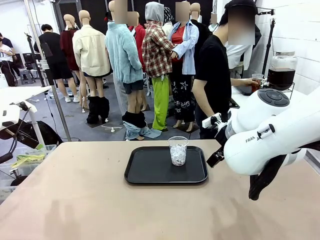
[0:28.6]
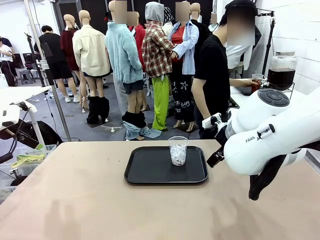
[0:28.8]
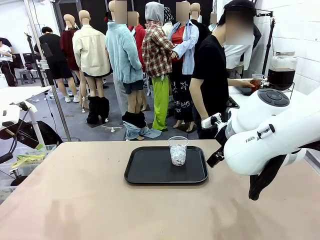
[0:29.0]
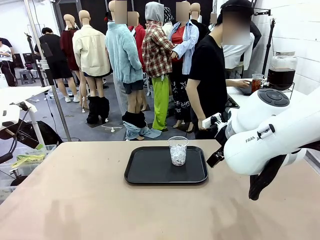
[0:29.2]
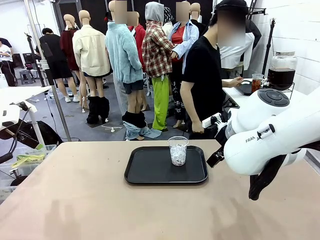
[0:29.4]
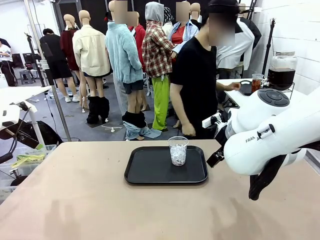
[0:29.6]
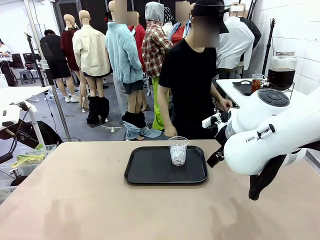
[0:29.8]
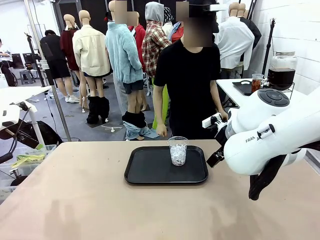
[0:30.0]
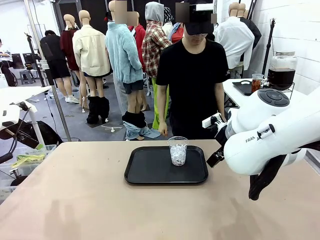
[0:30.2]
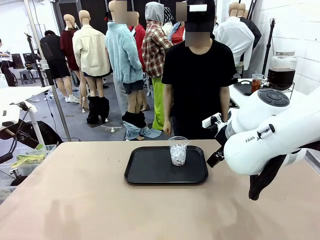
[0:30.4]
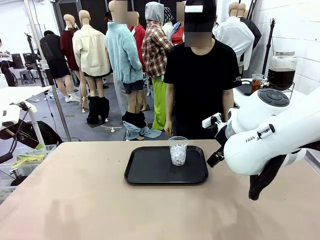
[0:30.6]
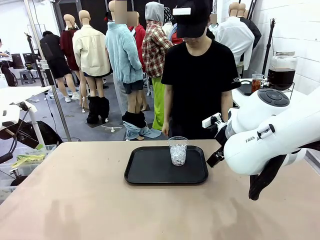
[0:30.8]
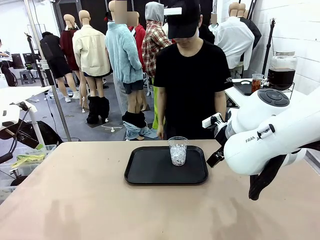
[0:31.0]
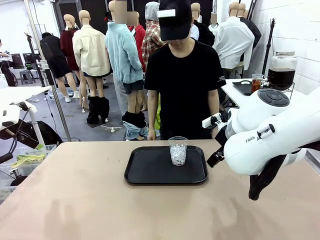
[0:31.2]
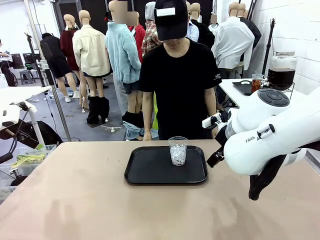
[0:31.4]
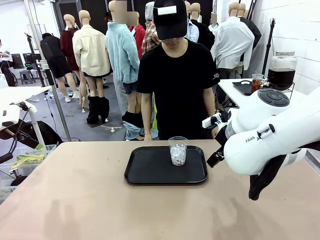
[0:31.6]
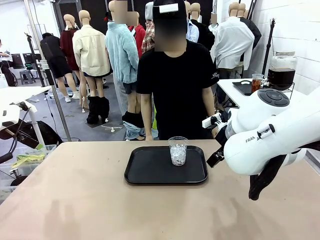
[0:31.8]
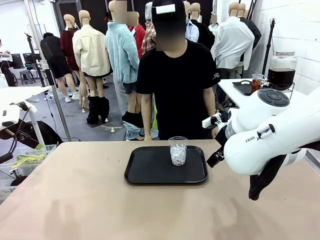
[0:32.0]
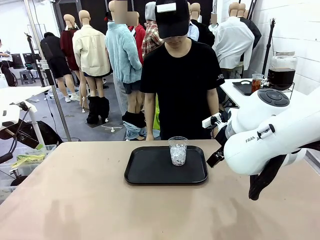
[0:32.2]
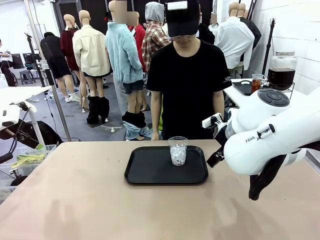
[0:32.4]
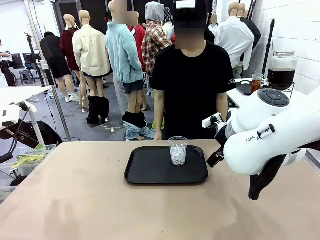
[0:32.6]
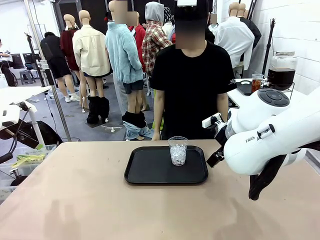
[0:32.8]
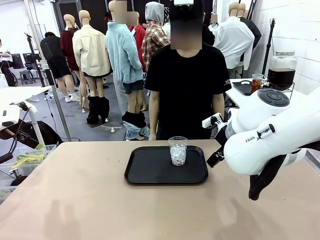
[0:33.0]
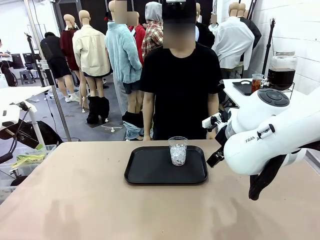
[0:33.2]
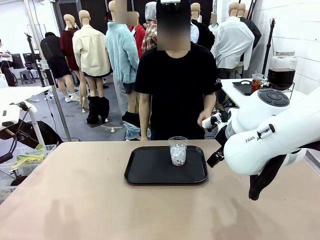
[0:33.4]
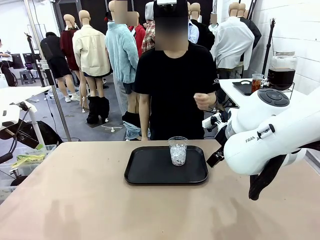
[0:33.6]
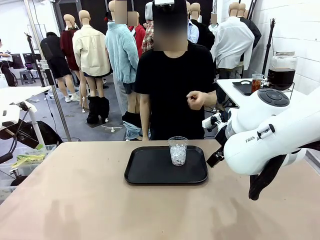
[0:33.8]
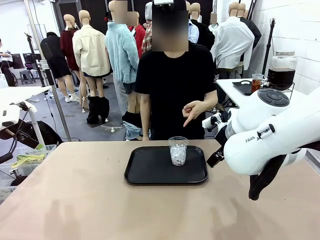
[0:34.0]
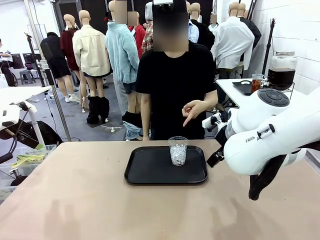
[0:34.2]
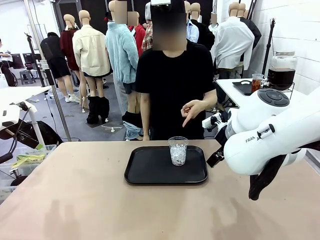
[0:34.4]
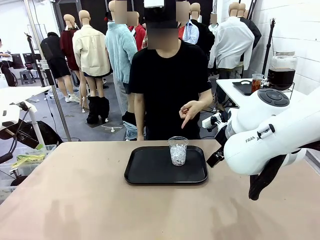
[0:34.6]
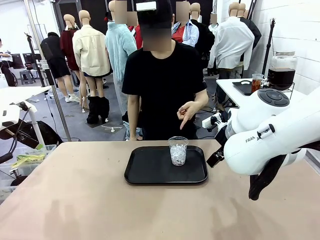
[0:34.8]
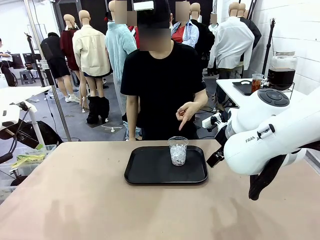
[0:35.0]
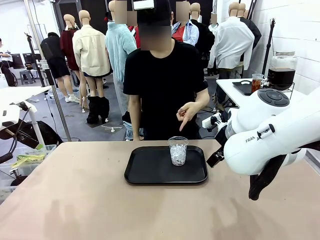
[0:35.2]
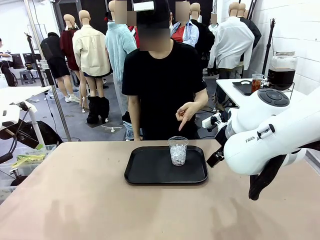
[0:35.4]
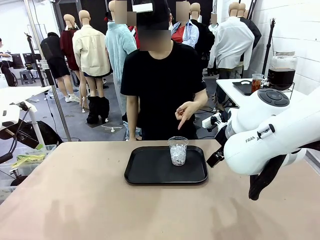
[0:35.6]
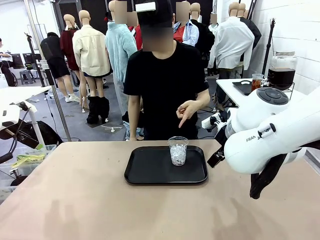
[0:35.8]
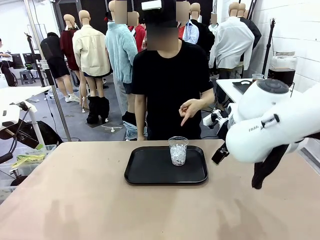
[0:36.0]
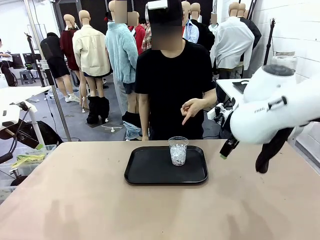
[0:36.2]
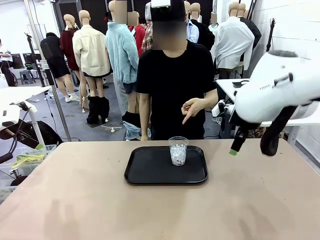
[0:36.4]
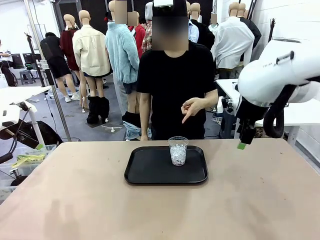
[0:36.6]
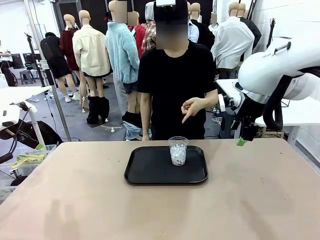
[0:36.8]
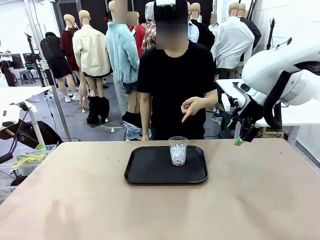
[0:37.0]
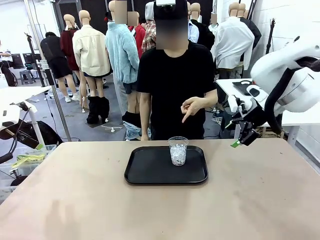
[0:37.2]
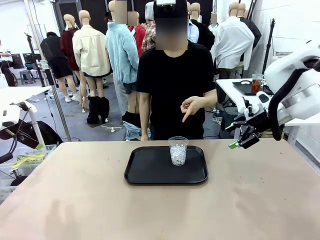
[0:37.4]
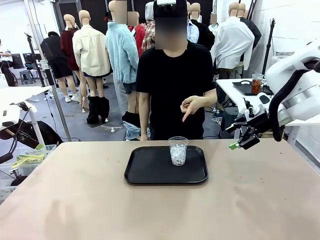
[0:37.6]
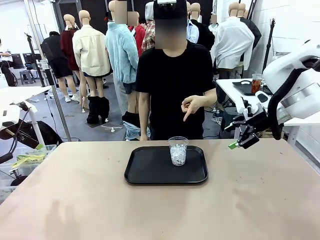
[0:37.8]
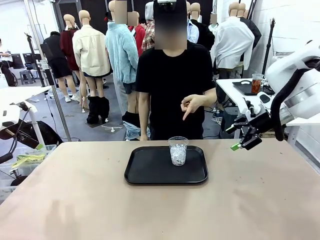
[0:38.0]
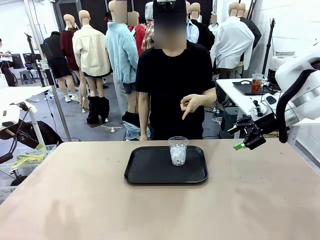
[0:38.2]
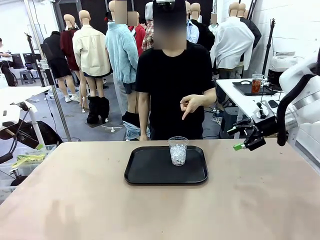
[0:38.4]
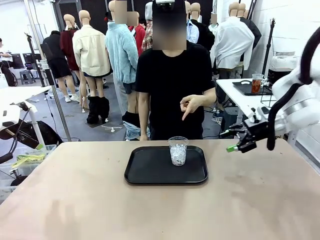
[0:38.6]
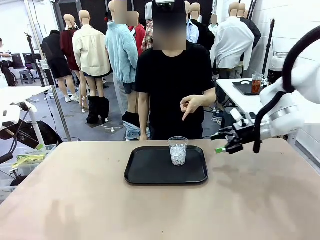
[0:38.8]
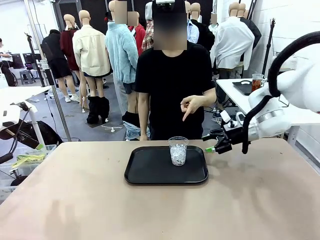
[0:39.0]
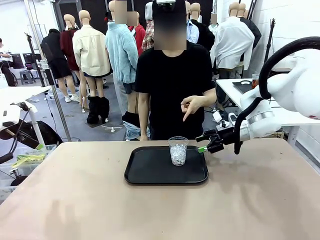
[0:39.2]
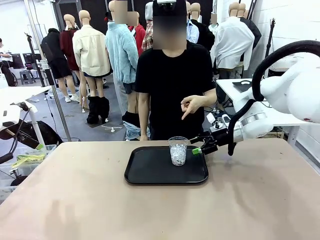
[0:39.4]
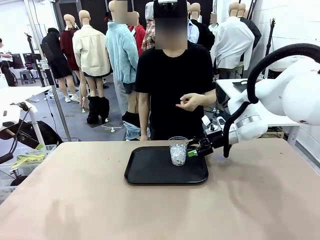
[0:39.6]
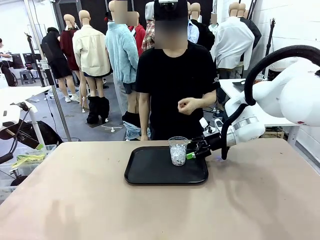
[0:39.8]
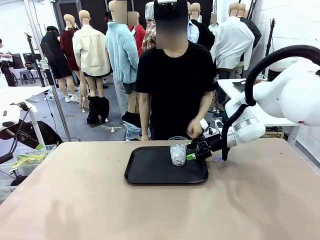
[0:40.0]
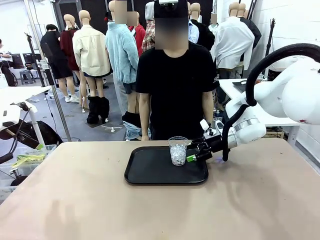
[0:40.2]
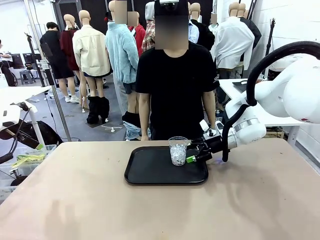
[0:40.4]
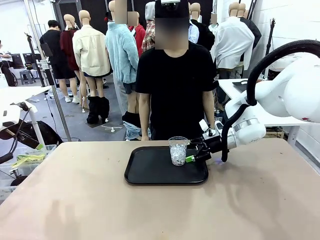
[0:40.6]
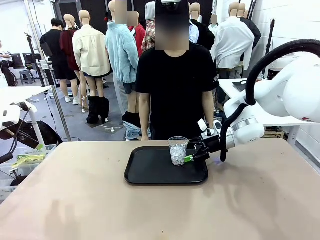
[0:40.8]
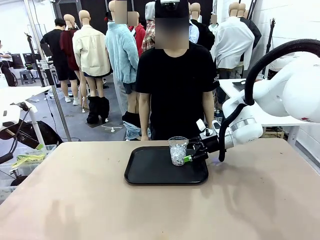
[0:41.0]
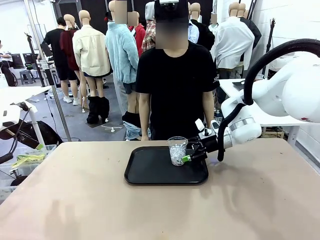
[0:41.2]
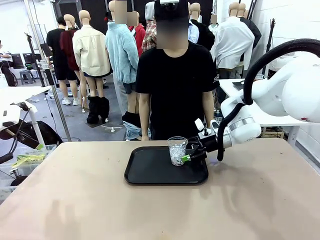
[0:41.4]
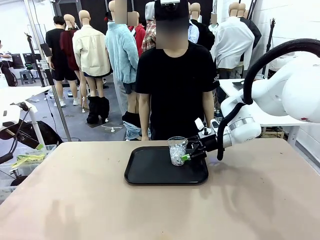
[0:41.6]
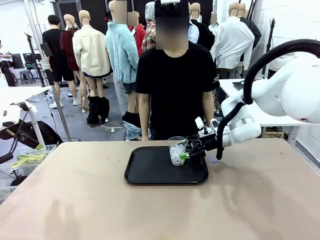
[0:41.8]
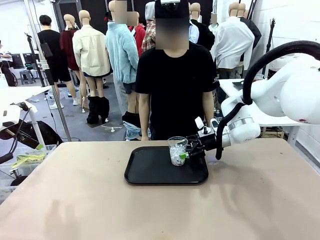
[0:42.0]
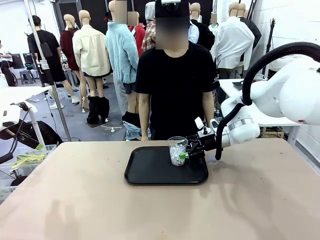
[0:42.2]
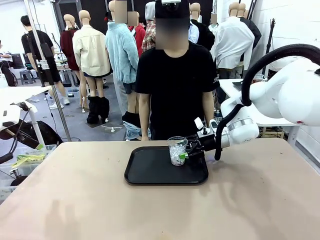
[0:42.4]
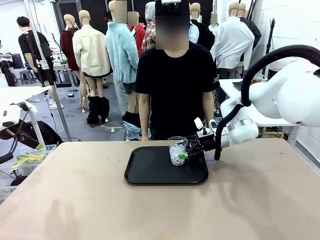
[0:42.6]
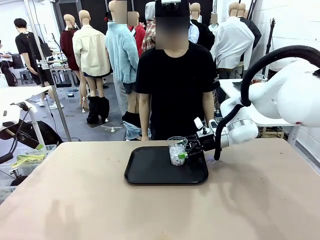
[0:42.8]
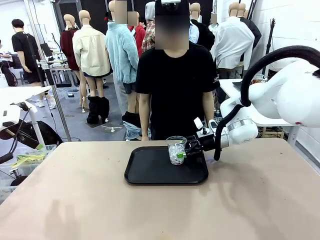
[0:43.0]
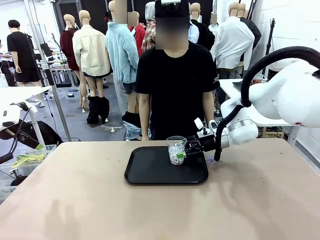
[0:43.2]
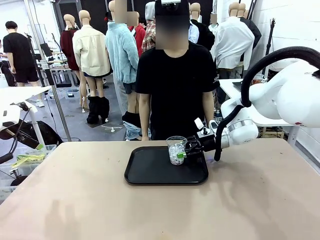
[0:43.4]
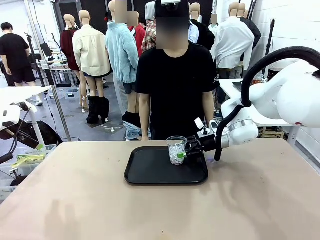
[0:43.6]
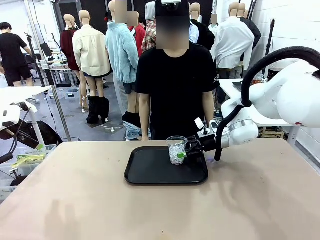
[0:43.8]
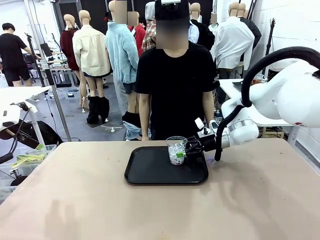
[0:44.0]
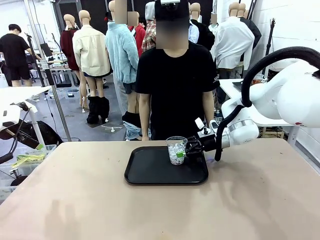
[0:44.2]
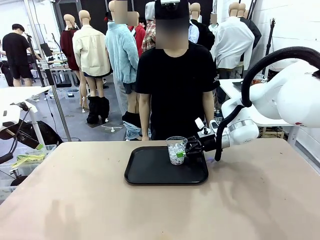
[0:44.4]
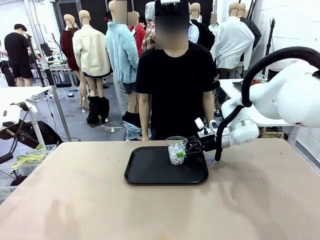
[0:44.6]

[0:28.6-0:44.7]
Task: Pour the drink into the iced cup.
Robot: Pick up the iced cup indicated by the human and present it to them.
Person: Point to the remaining ice cup on the robot table. Pick up the cup offered by the robot.

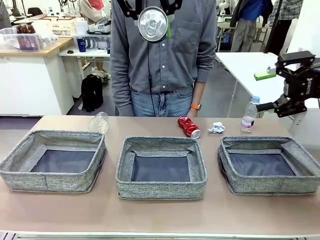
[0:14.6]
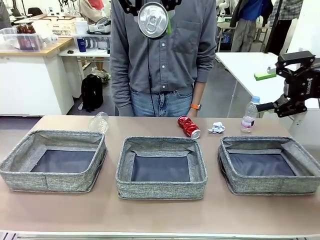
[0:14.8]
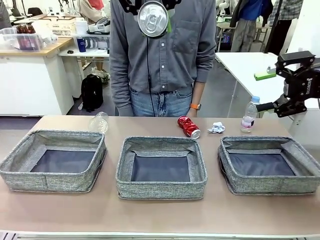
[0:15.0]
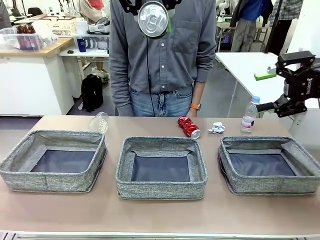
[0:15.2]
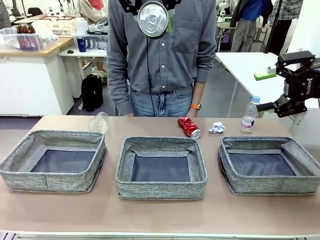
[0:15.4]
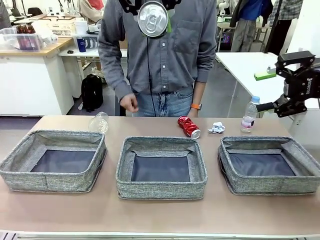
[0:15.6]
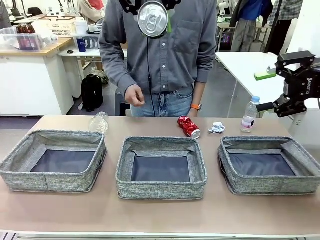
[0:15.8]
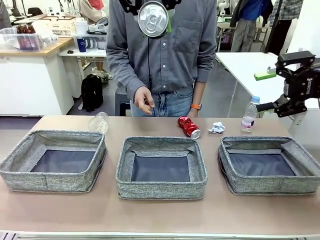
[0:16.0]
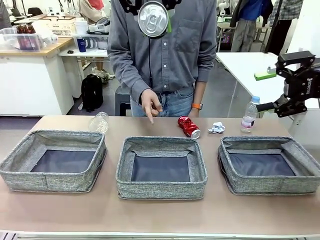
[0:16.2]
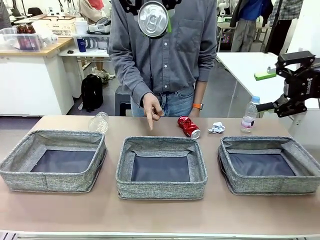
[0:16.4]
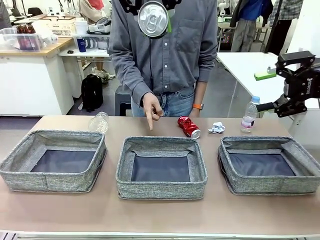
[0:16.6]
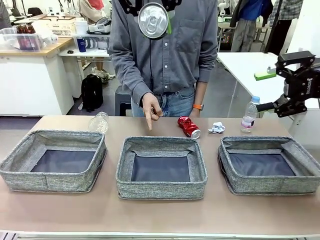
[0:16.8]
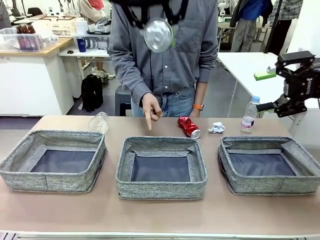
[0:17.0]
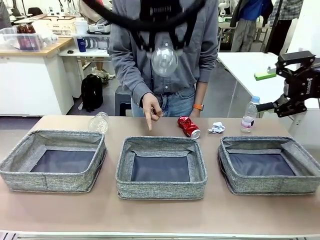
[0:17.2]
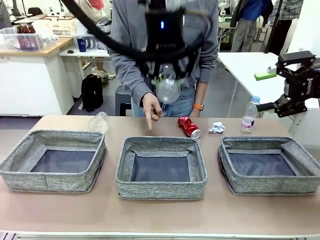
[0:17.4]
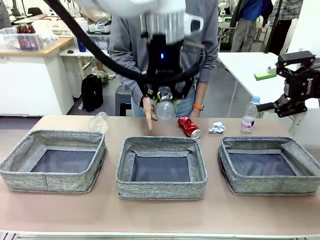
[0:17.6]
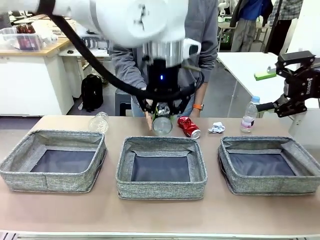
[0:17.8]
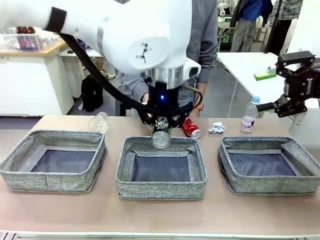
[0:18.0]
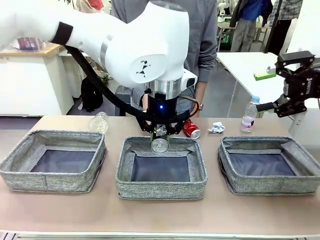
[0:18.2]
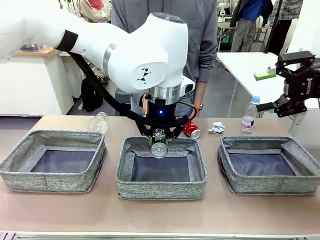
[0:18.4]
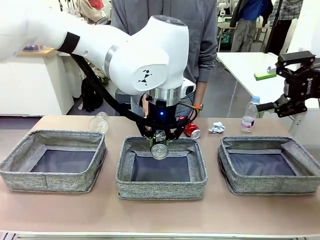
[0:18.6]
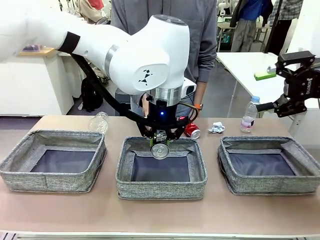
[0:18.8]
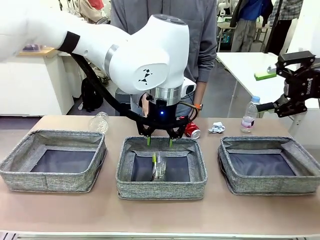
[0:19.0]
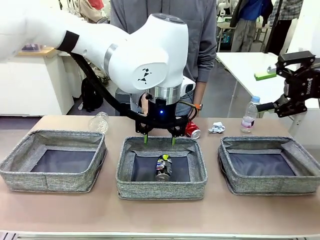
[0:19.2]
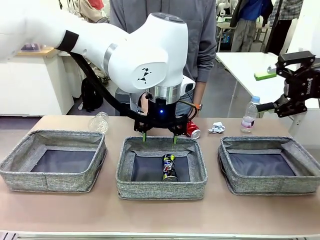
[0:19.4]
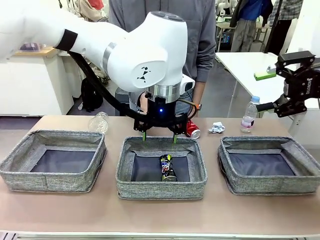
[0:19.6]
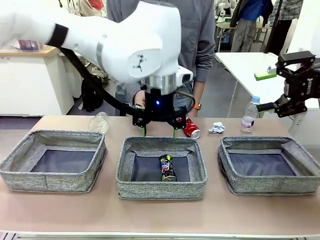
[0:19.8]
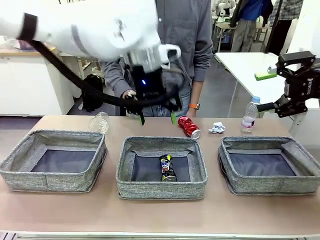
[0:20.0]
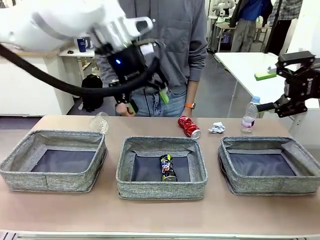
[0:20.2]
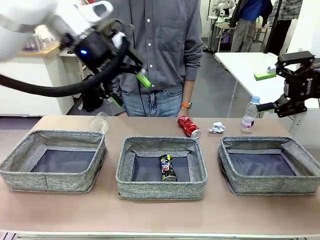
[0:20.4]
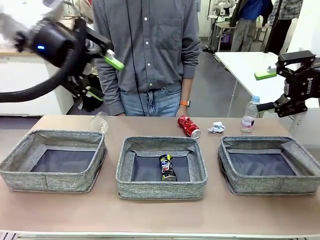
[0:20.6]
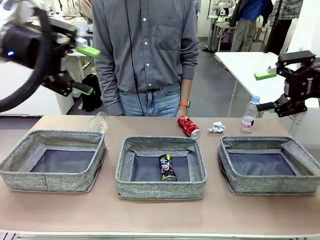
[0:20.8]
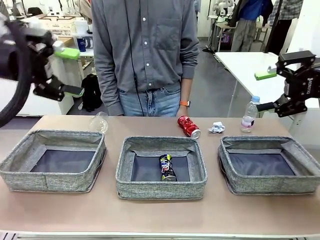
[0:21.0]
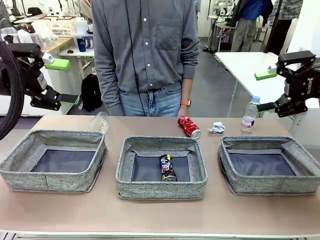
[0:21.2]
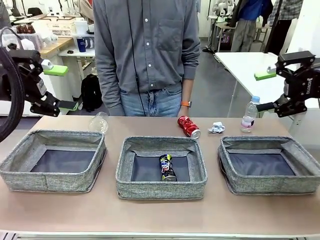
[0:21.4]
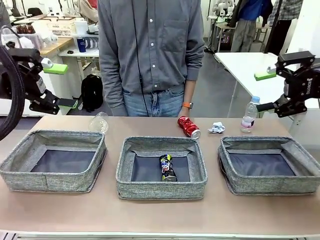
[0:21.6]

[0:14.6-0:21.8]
Task: Sort the waste into the appropriate baskets.
Robot: Place the picked waste into the Fabric basket indicated by the person.
Person: Instructs the robot to place the picked-up trash into the appropriate organizing basket.
